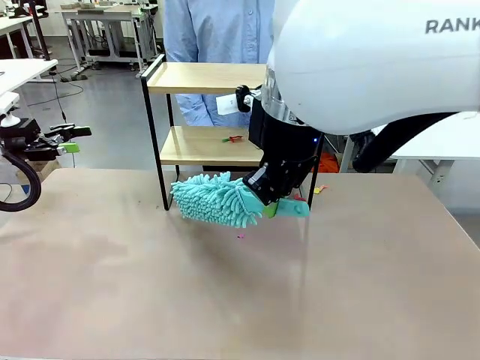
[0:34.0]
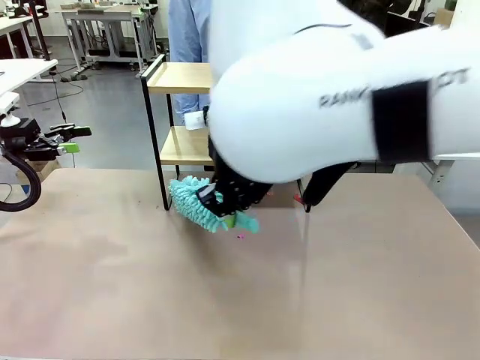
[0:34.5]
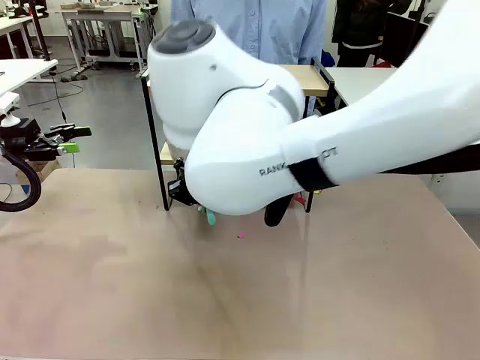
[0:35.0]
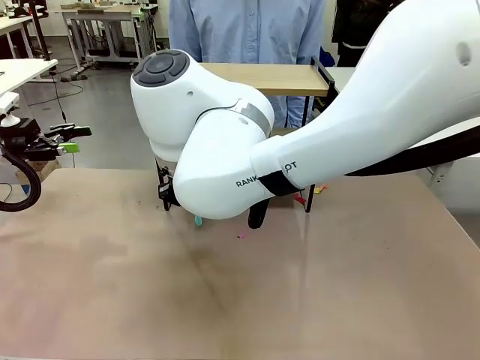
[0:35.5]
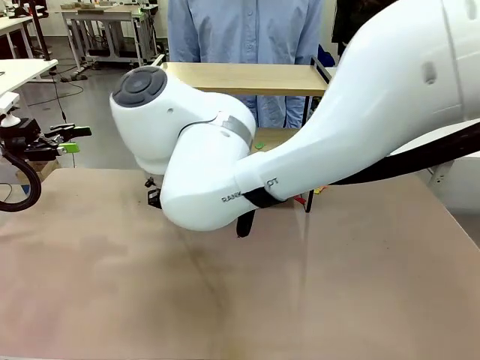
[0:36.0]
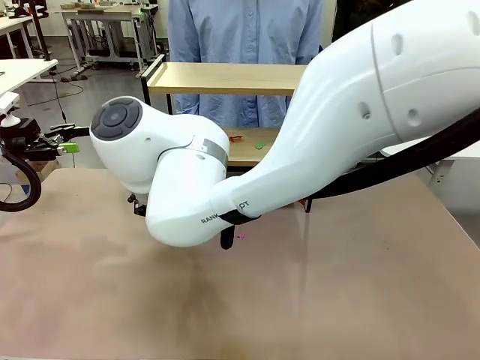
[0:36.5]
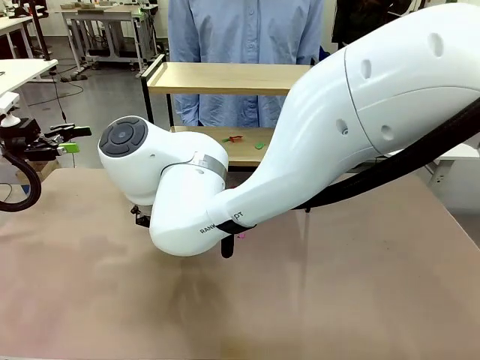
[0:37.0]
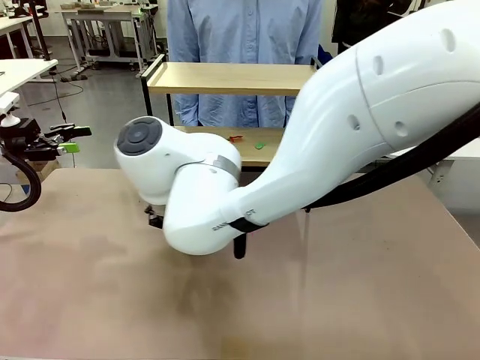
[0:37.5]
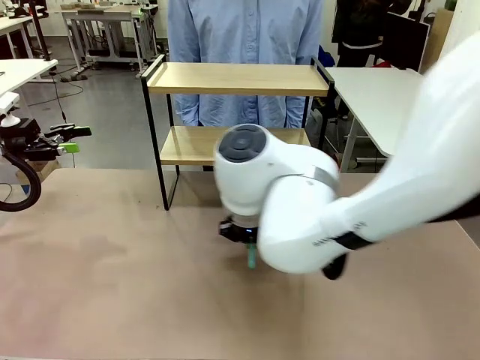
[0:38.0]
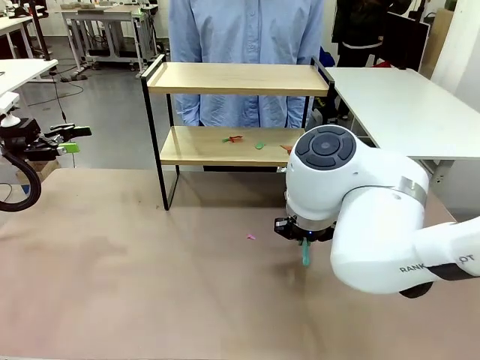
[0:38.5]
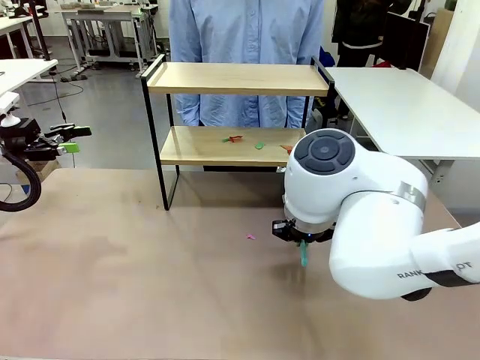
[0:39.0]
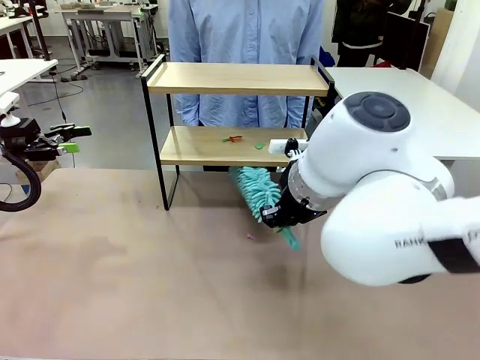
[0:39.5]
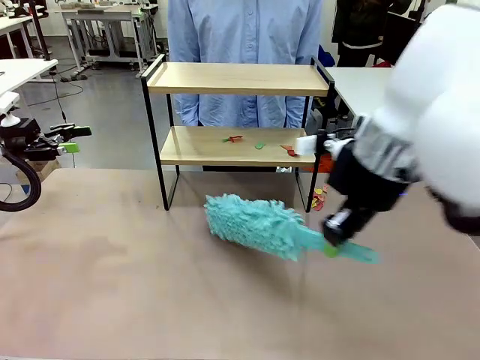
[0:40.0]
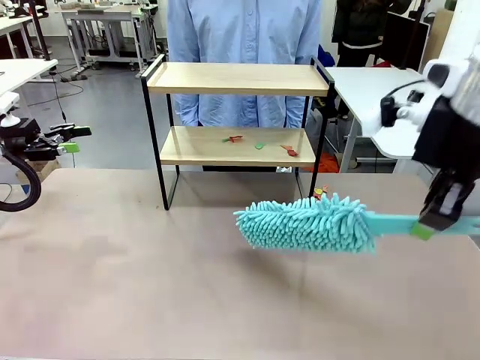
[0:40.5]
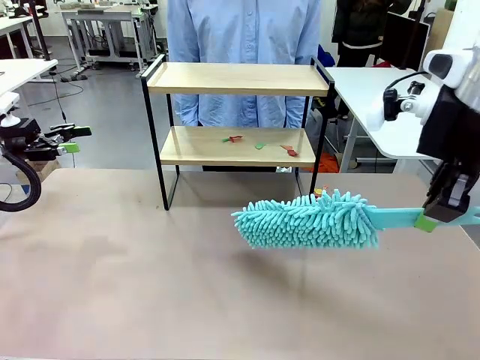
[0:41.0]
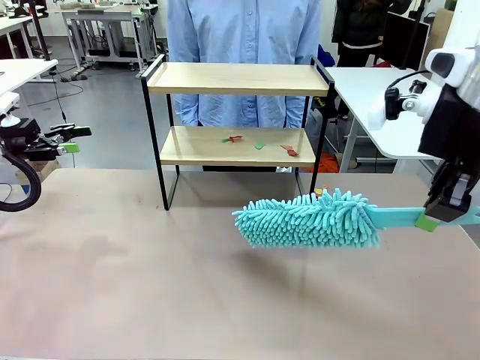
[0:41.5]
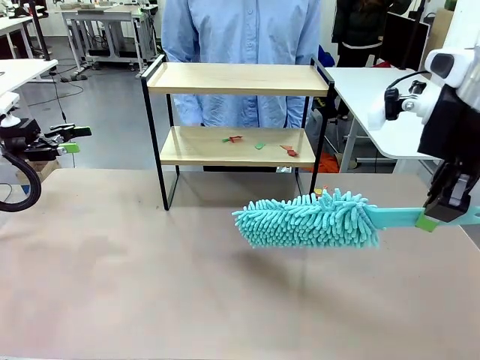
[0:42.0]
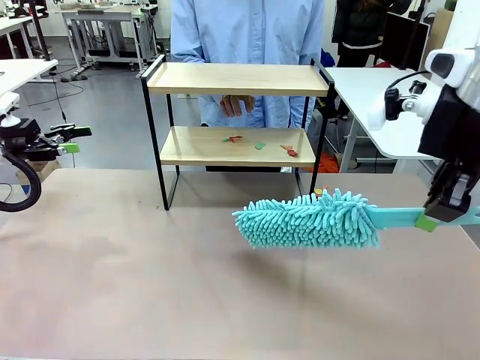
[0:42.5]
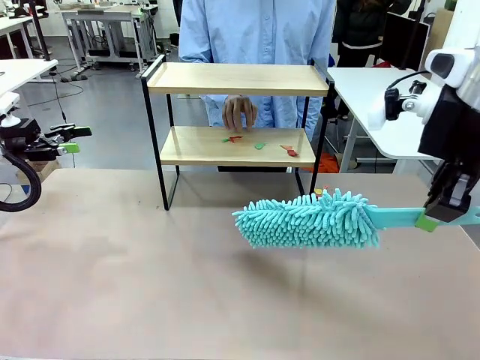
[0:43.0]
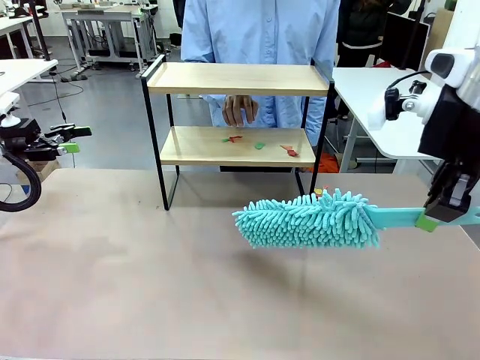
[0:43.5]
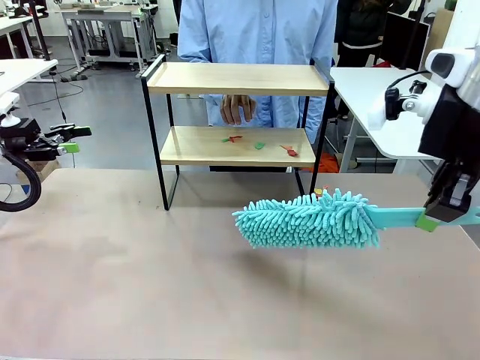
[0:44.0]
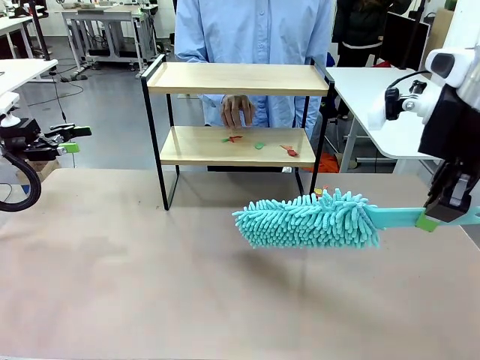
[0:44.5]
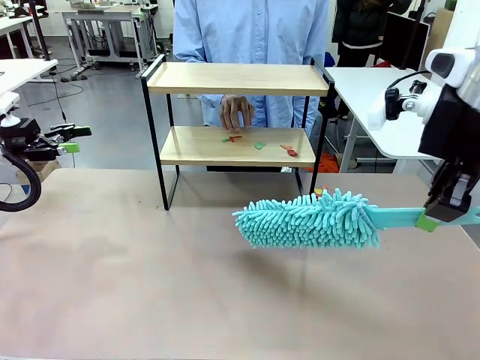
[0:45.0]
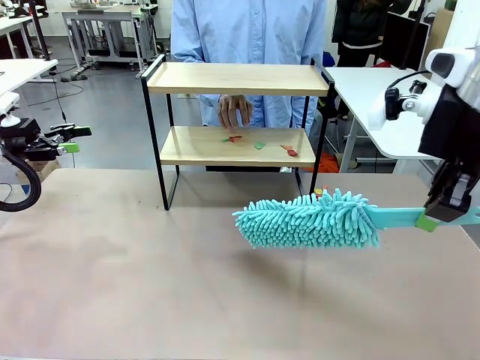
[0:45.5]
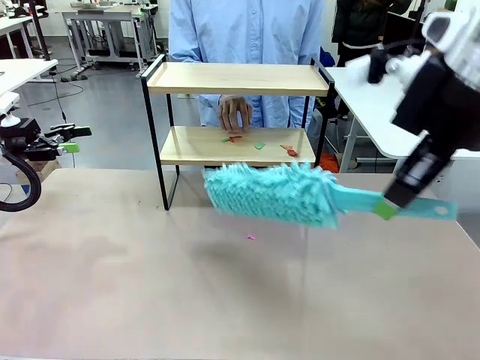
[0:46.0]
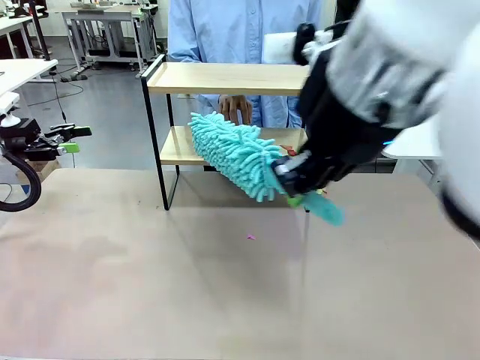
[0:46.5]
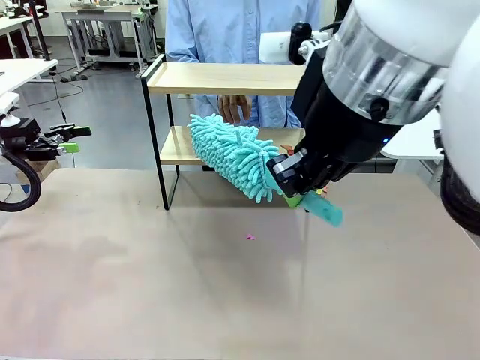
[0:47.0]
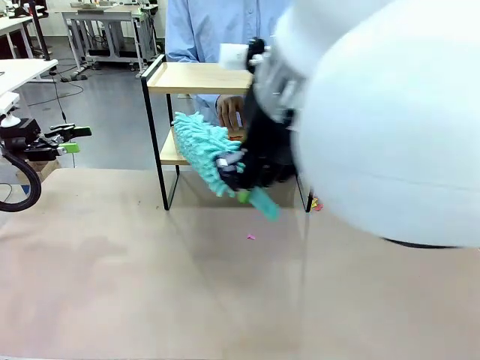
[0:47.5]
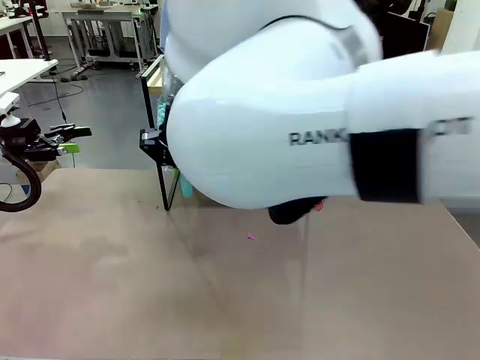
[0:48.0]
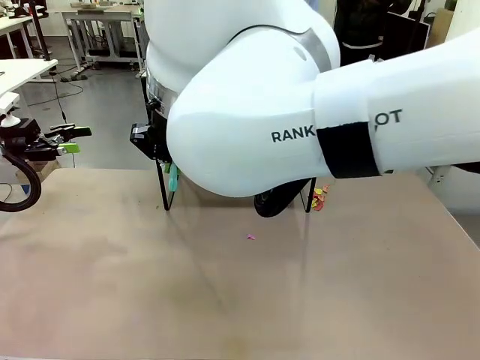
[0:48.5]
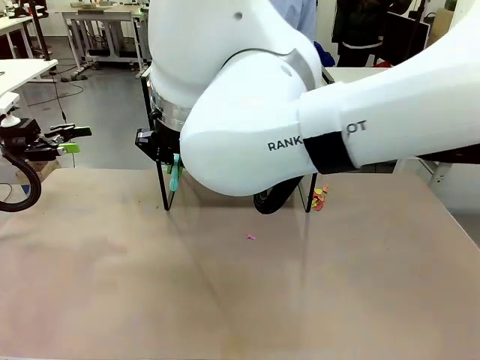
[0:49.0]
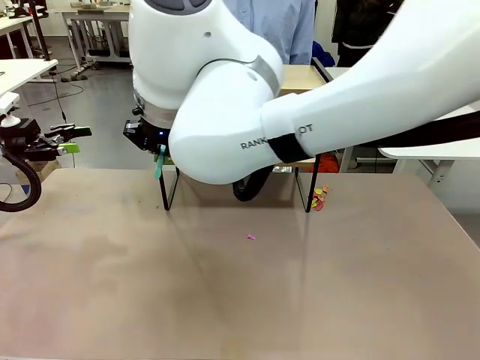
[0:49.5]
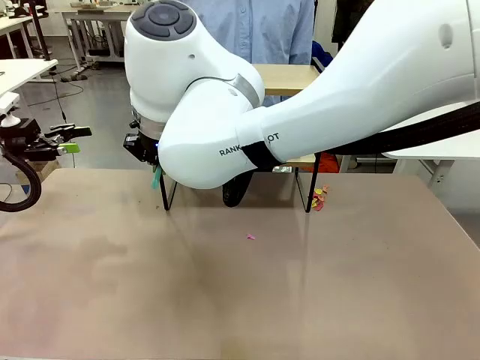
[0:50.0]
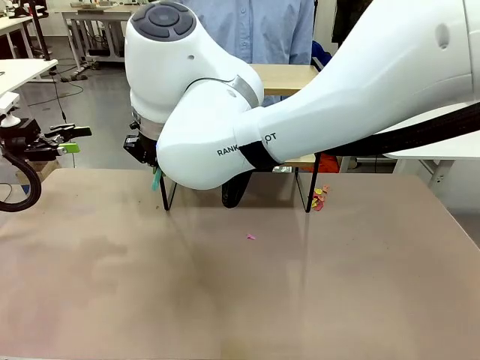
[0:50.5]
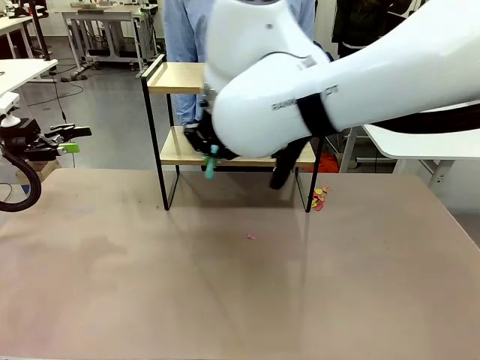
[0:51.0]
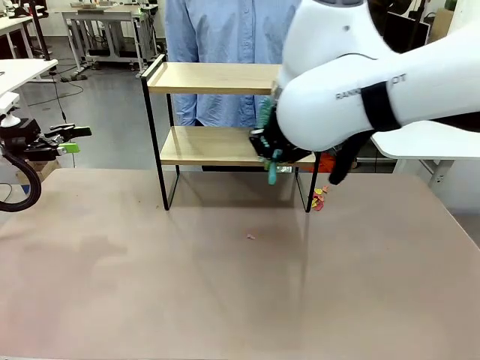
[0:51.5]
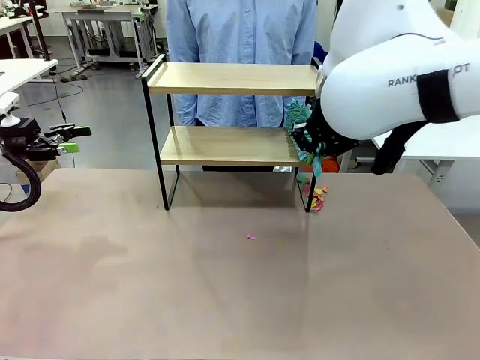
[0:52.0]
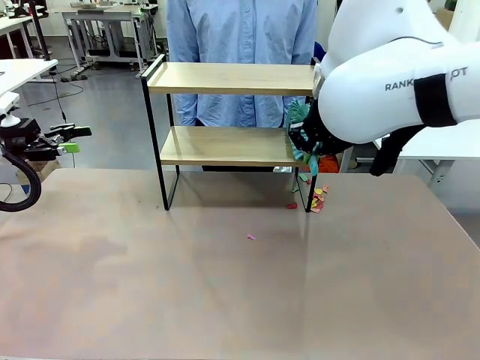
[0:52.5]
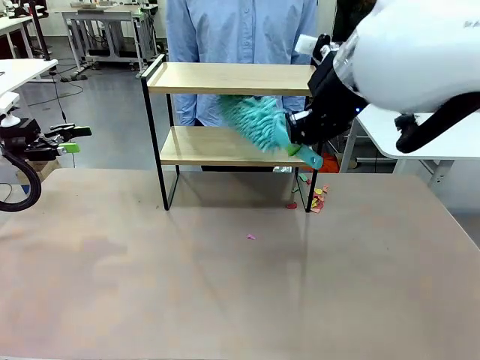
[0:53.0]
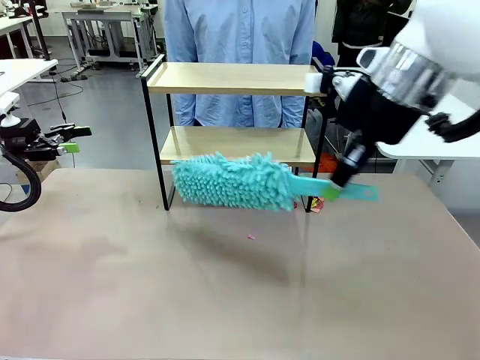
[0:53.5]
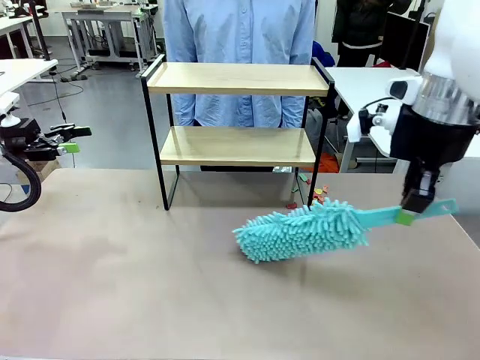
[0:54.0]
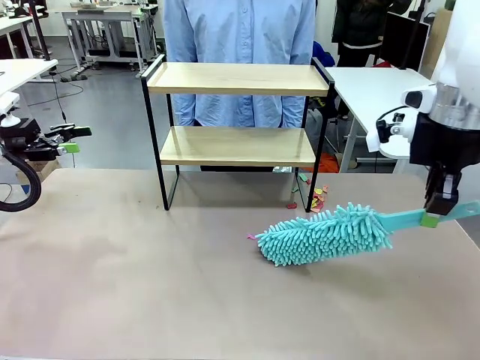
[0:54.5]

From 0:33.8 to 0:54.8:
Task: Clean the shelf.
Robot: Clean the specific section of the Shelf indicated by the human with the Duster.
Person: Point a remaining section of the Shelf.
